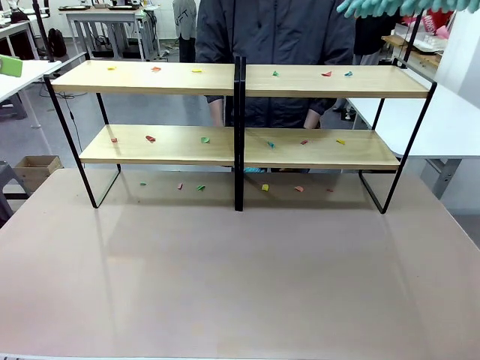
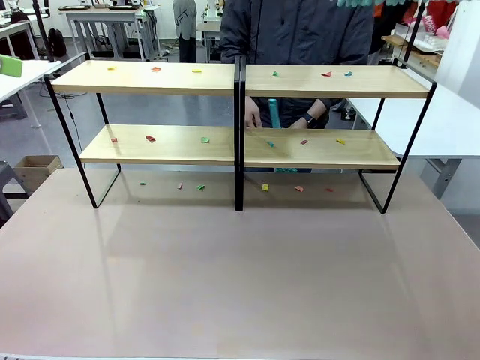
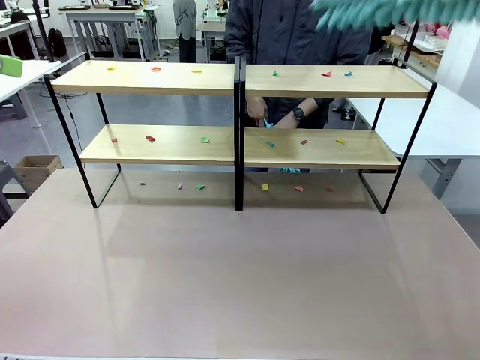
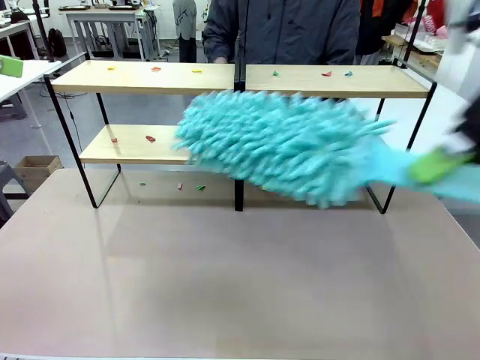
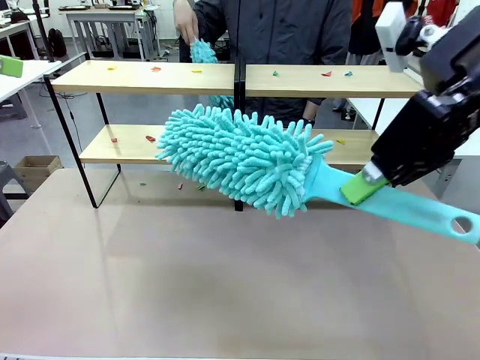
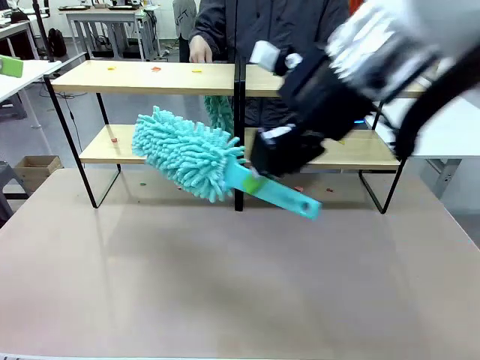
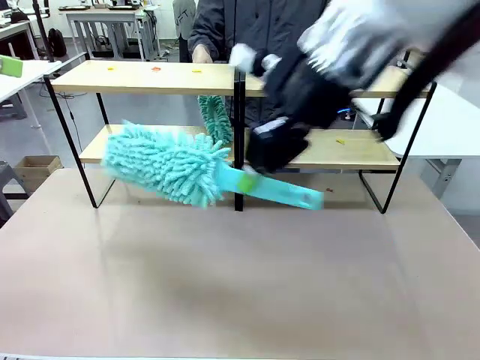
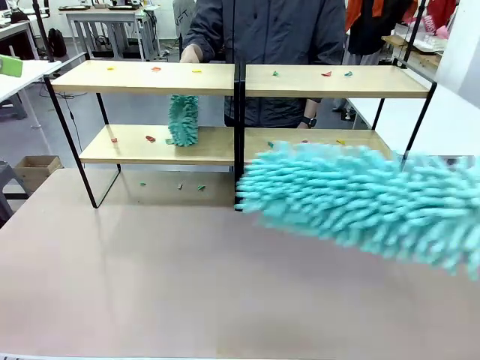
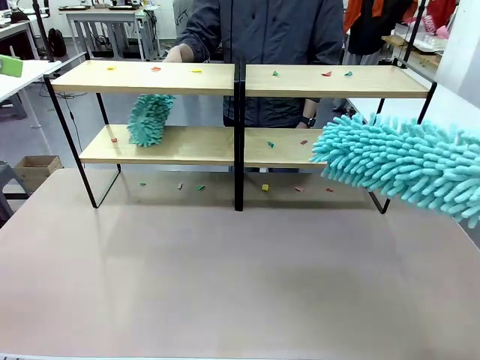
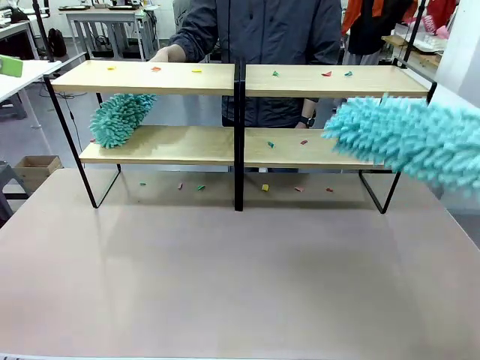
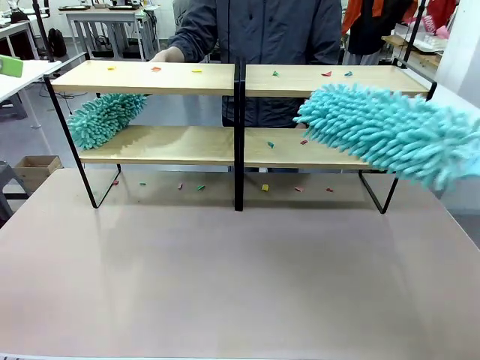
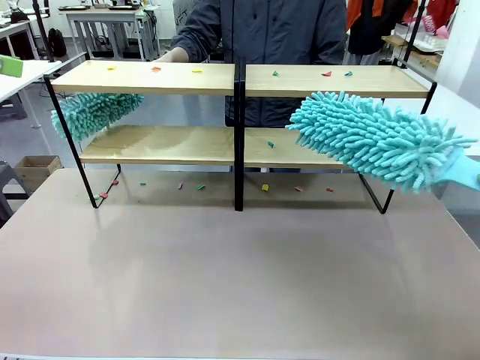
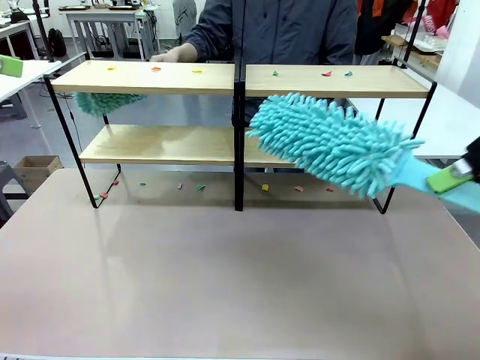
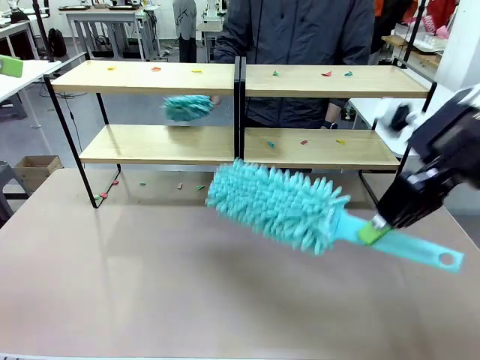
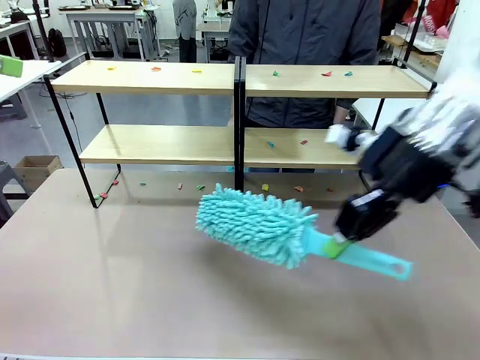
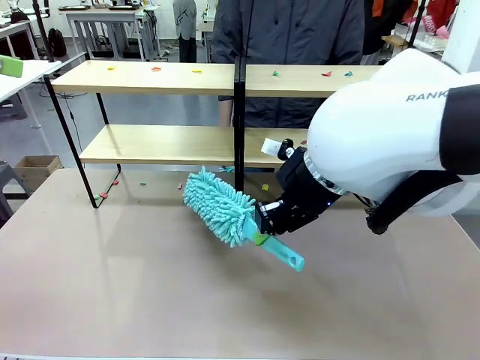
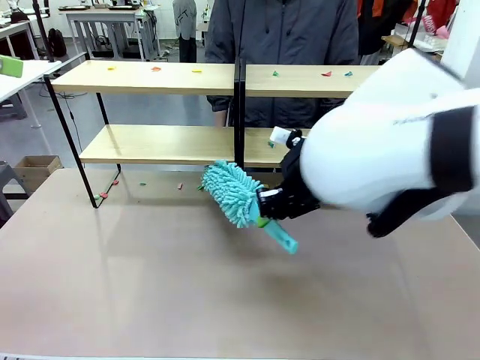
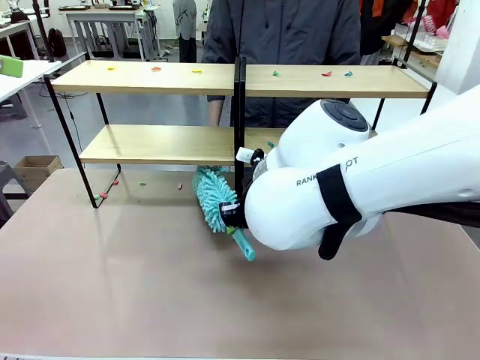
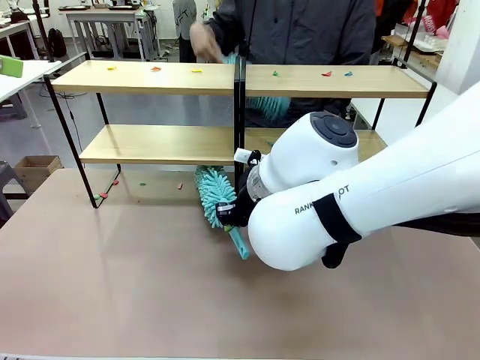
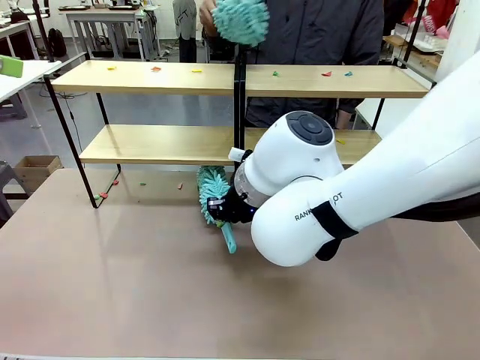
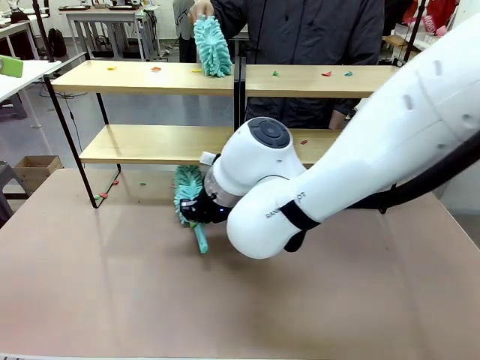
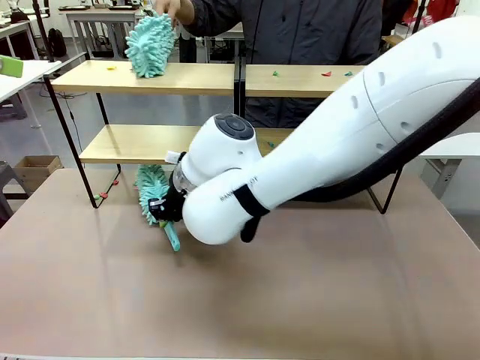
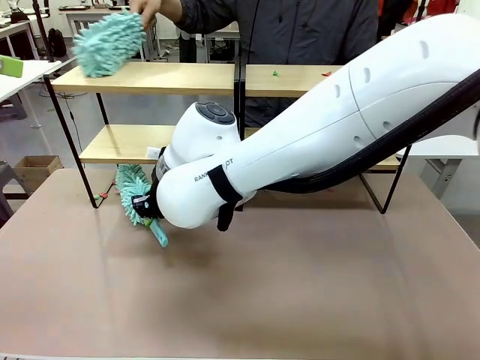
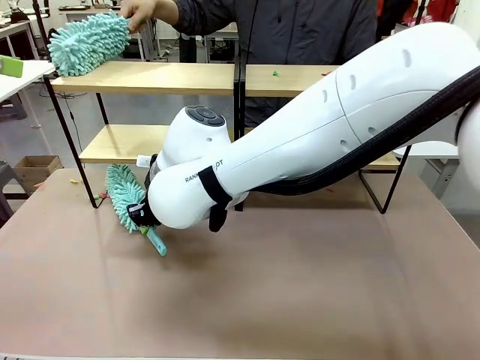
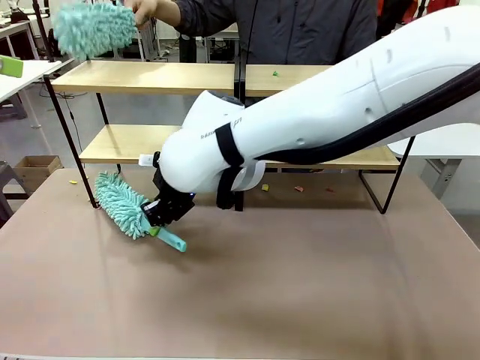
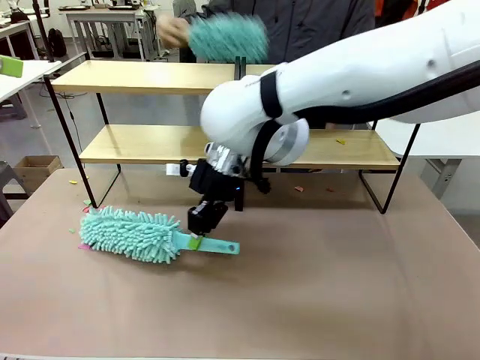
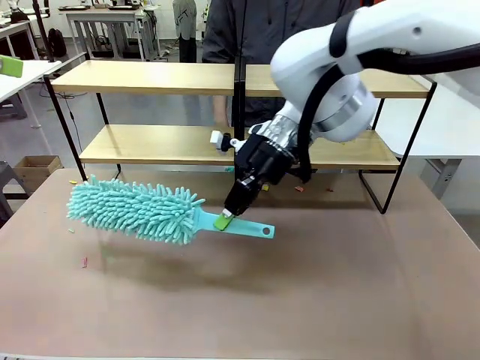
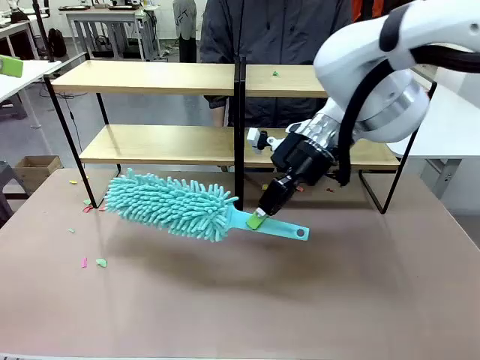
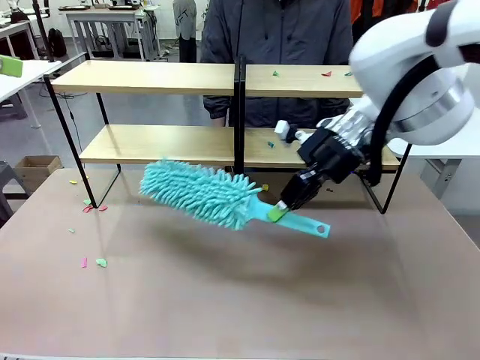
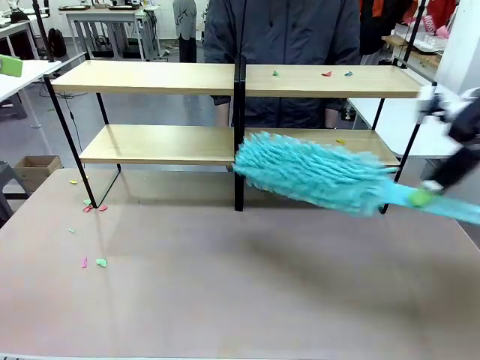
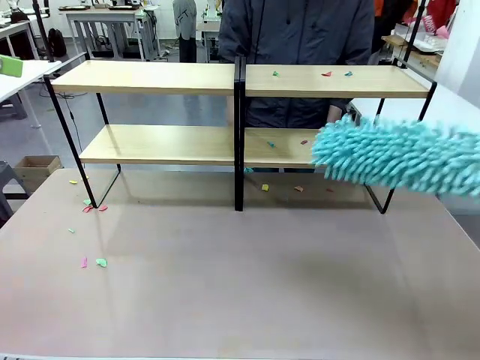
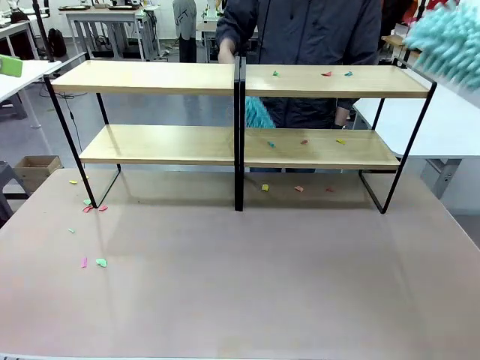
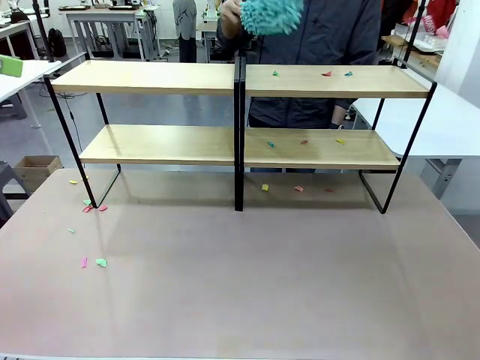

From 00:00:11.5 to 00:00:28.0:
Task: Clean the shelves.
Robot: Clean a randomly selected level of the Shelf with the Duster.
Person: Clean a randomly selected level of the Shelf with the Duster.

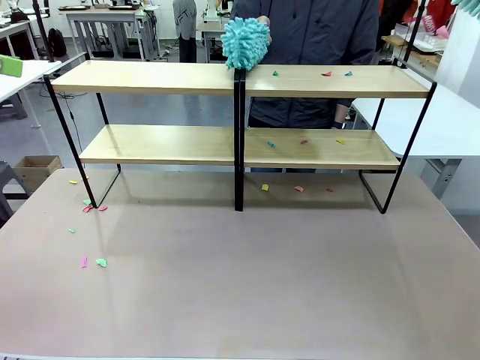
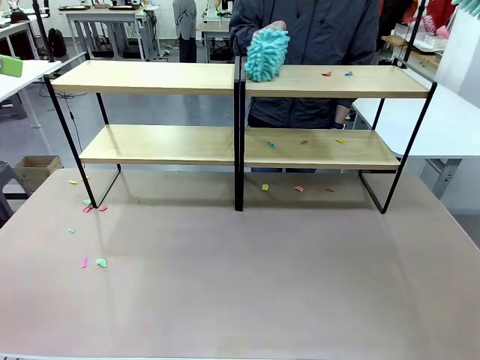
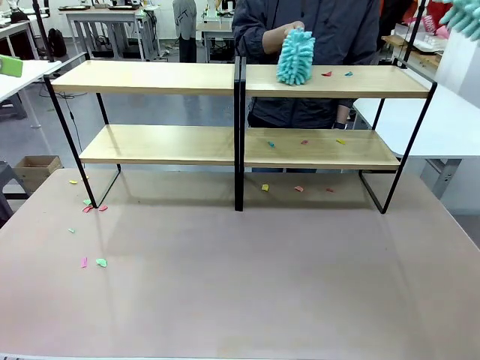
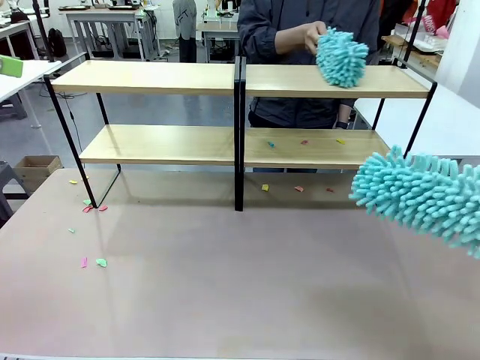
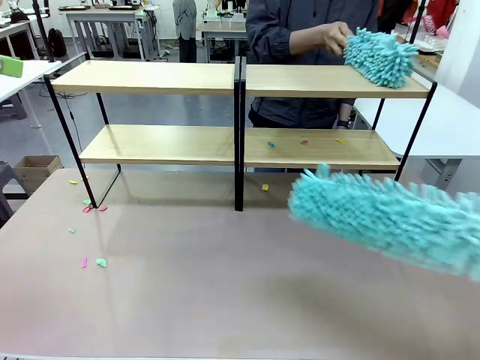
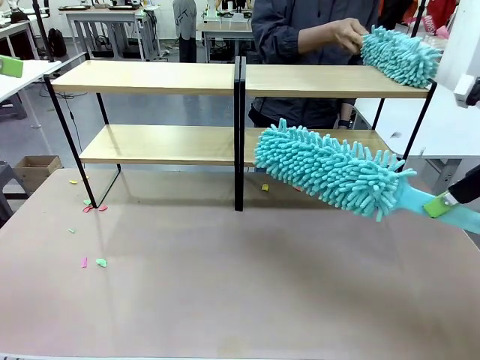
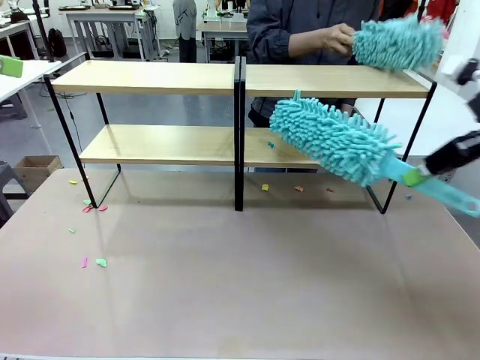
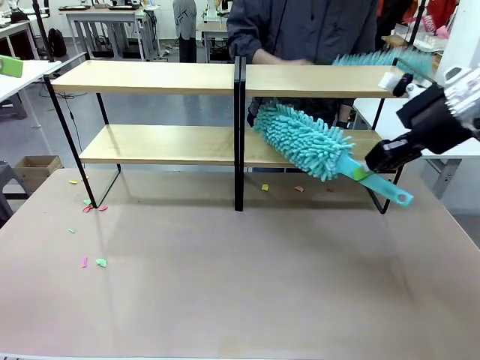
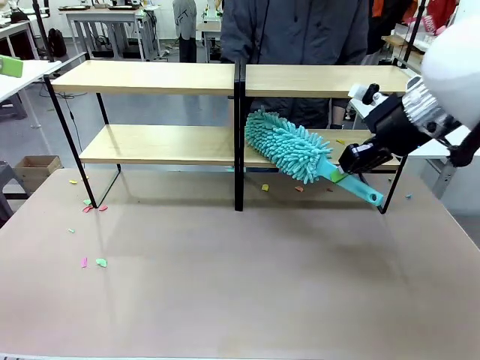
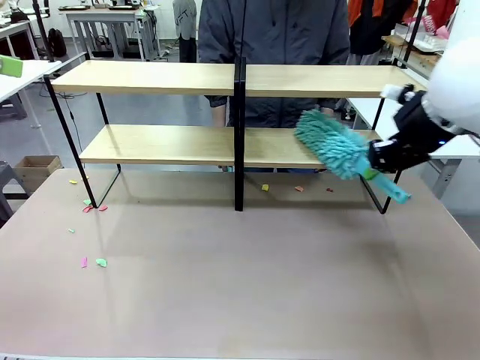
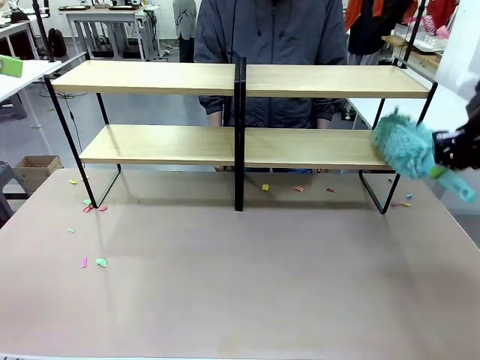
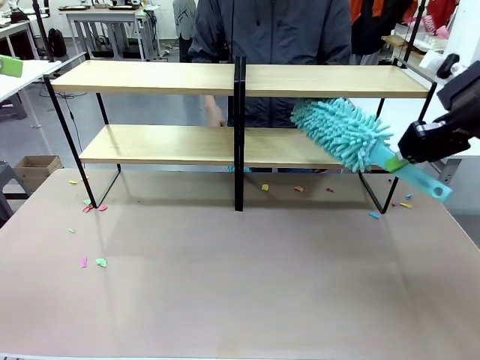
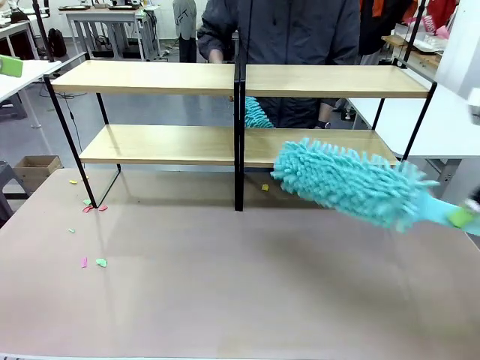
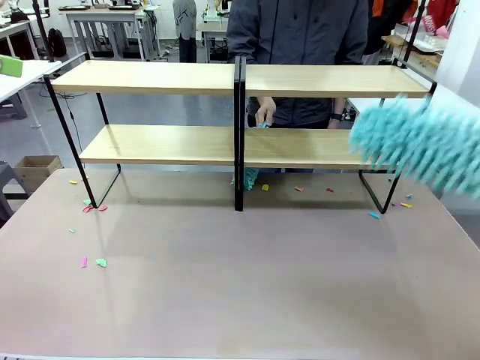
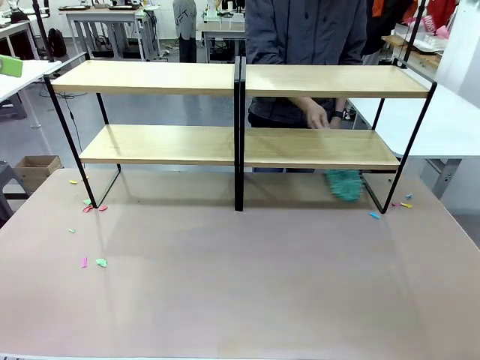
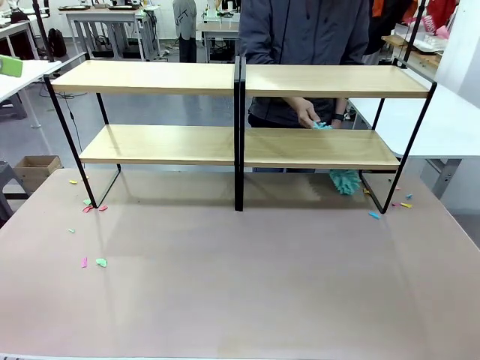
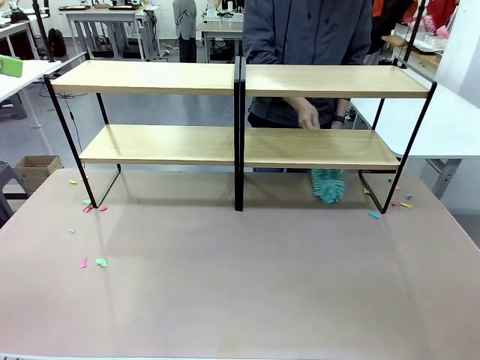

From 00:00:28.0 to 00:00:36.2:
Robot: Clean another randomly selected level of the Shelf with the Duster.

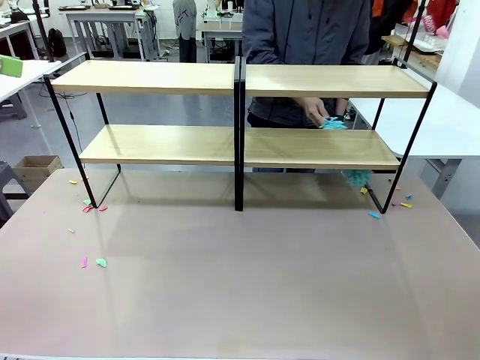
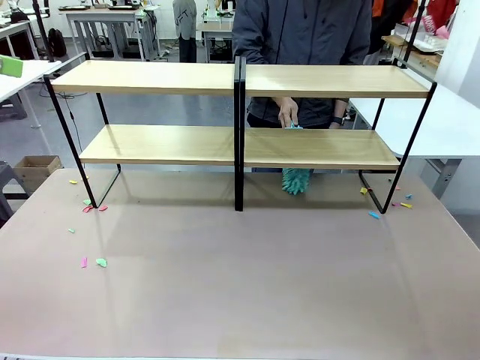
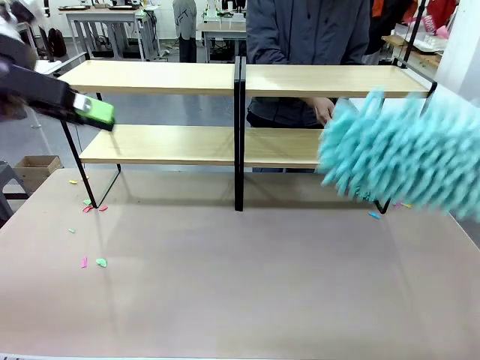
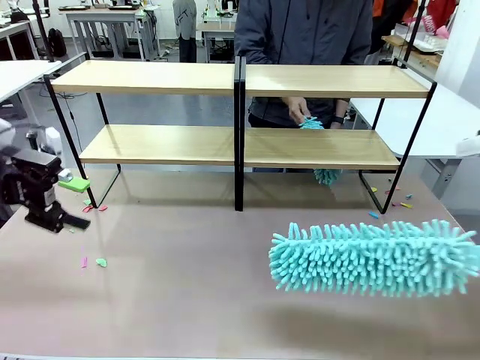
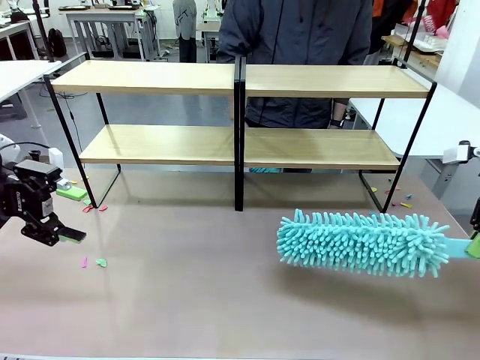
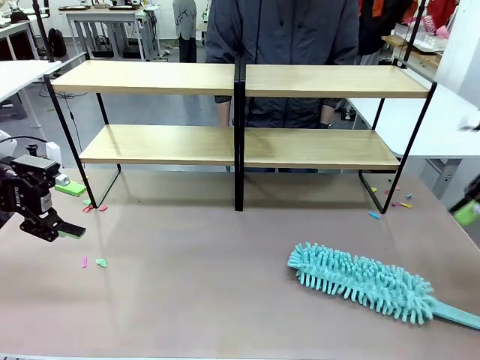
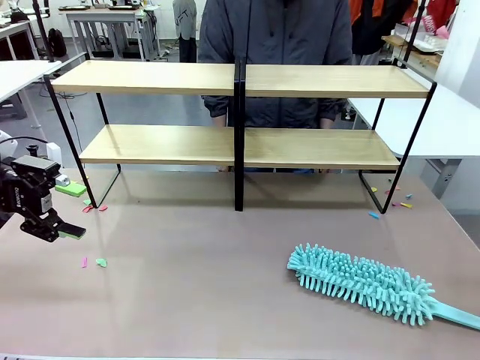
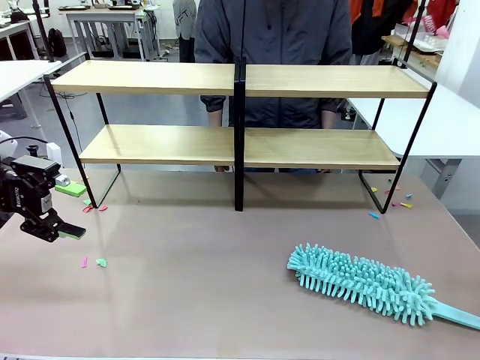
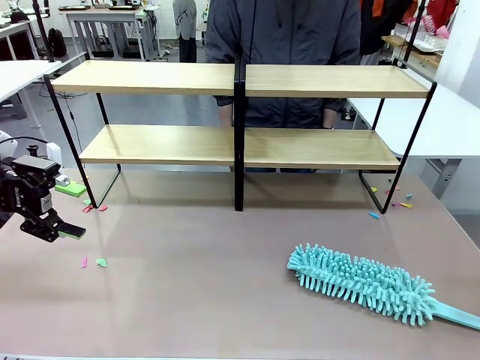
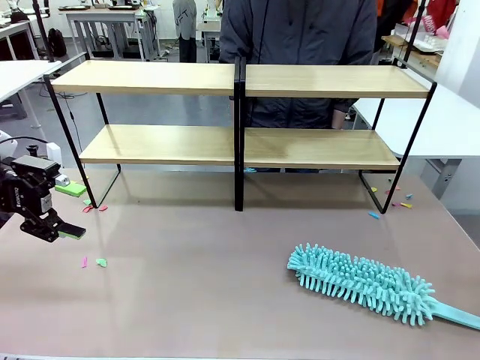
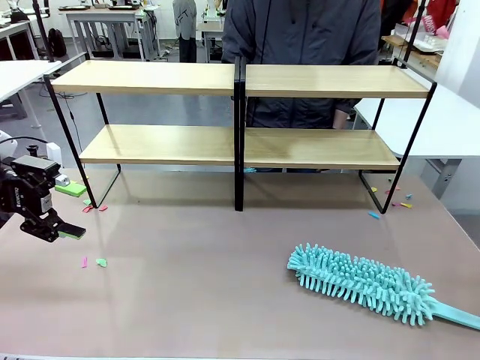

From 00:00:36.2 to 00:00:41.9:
Robot: Place the Duster on the table.
